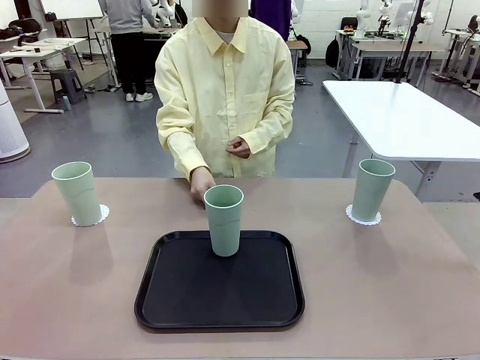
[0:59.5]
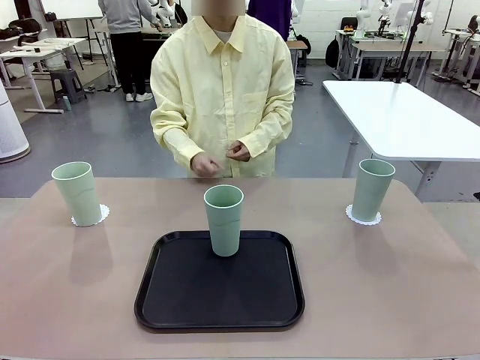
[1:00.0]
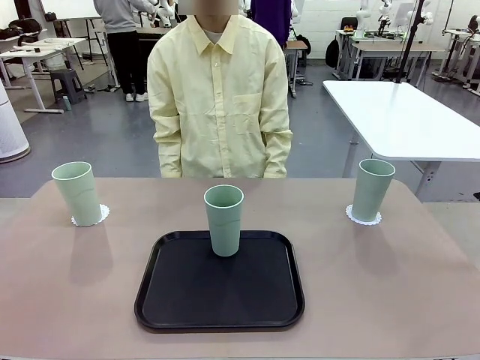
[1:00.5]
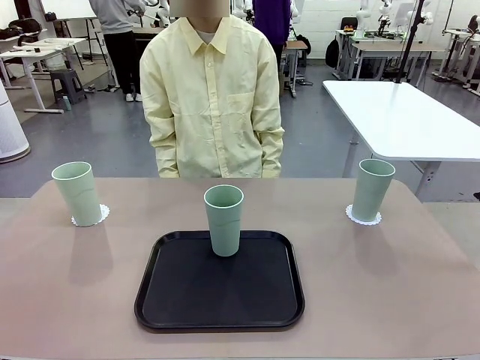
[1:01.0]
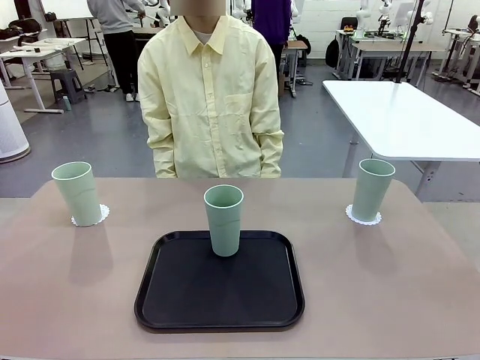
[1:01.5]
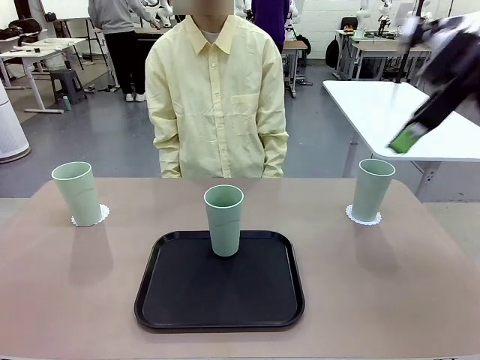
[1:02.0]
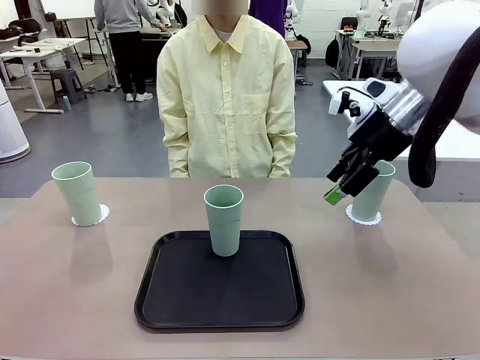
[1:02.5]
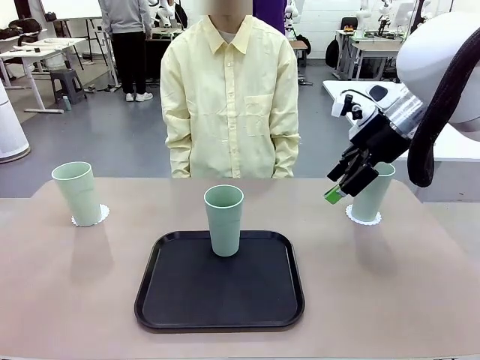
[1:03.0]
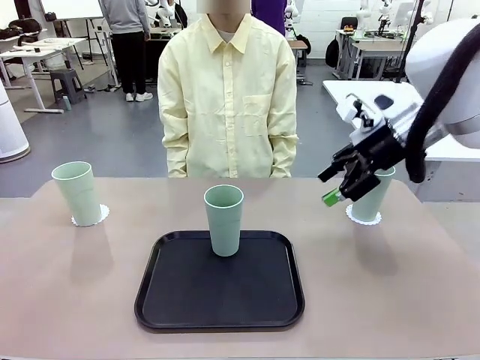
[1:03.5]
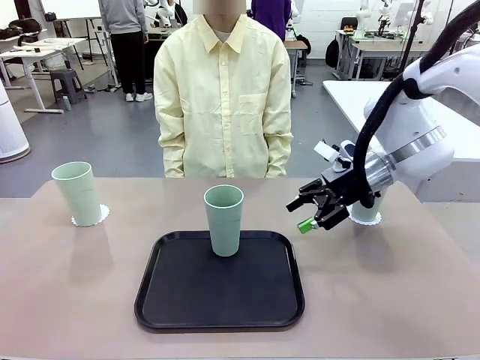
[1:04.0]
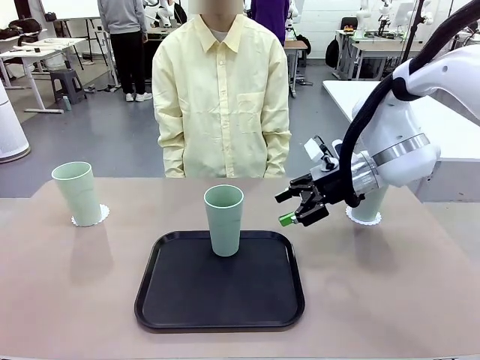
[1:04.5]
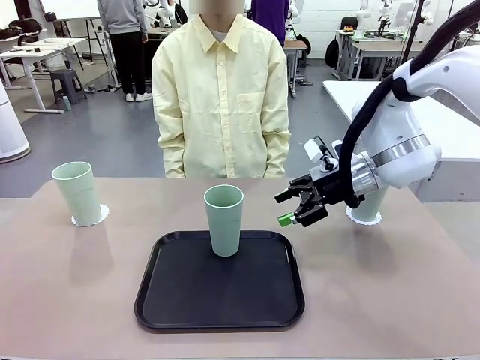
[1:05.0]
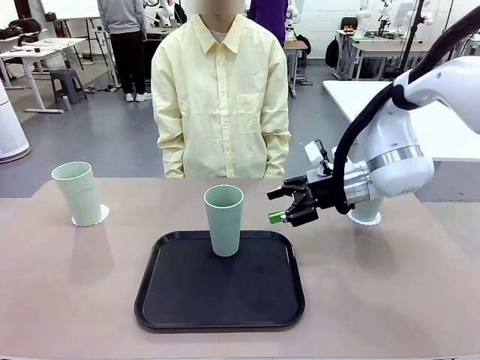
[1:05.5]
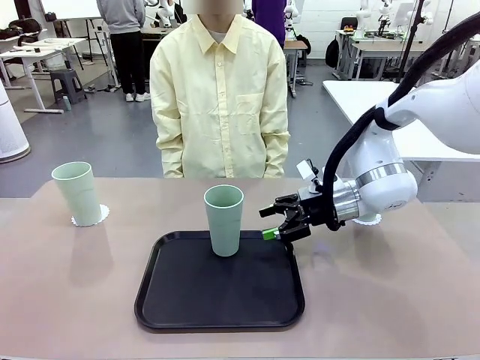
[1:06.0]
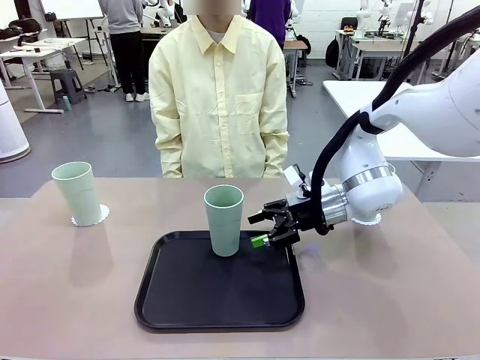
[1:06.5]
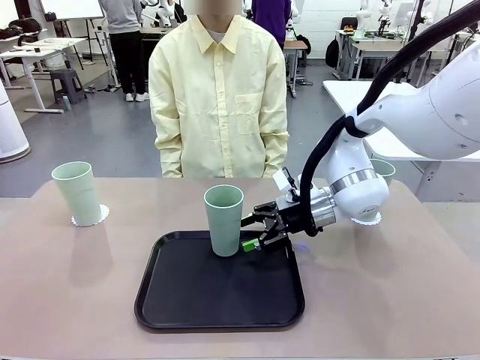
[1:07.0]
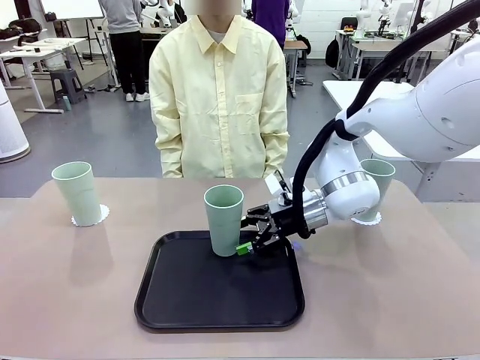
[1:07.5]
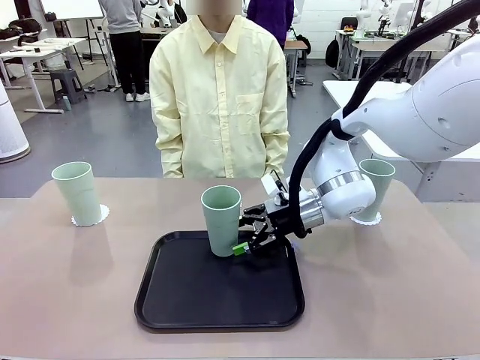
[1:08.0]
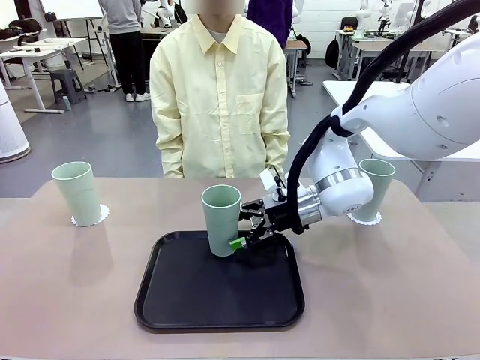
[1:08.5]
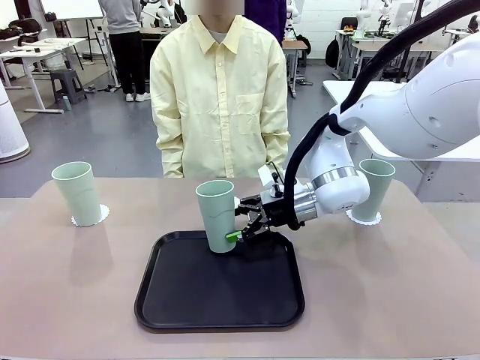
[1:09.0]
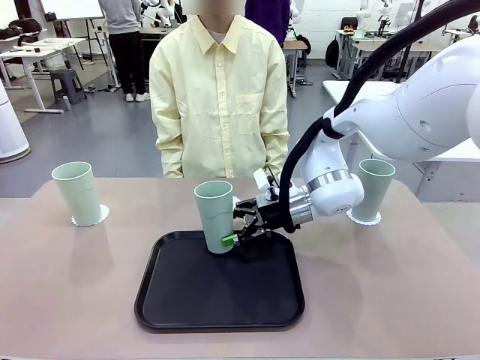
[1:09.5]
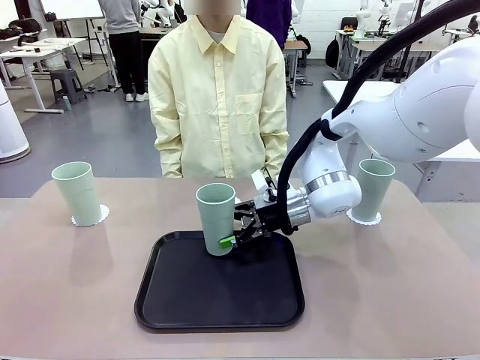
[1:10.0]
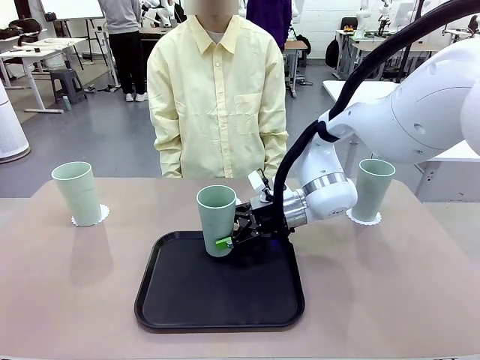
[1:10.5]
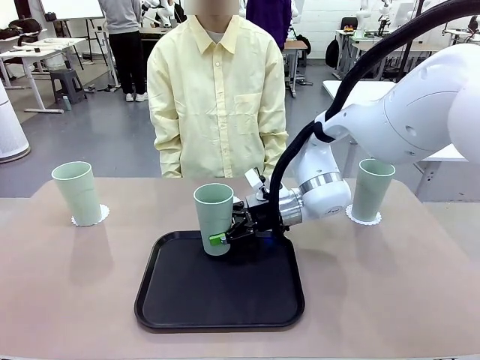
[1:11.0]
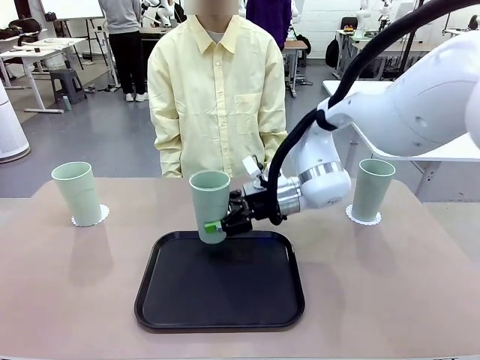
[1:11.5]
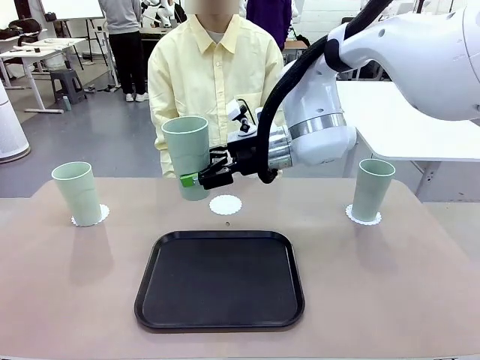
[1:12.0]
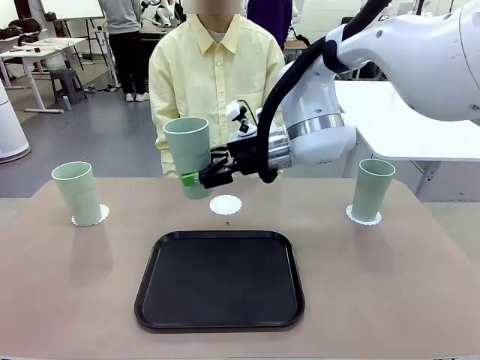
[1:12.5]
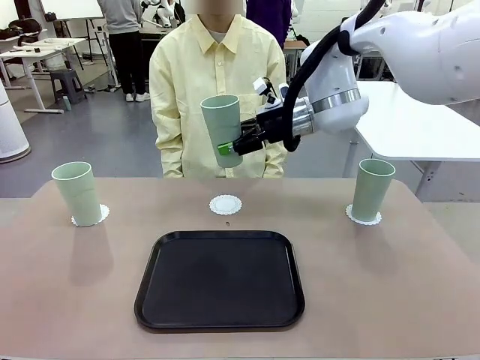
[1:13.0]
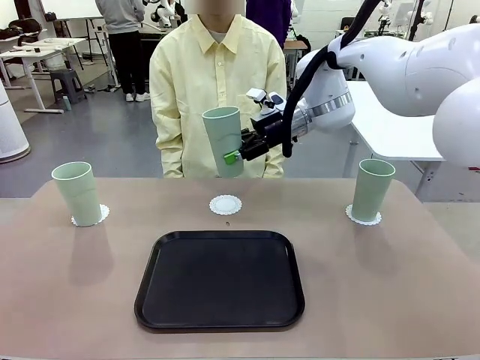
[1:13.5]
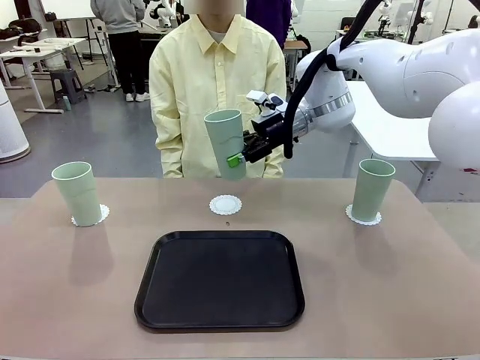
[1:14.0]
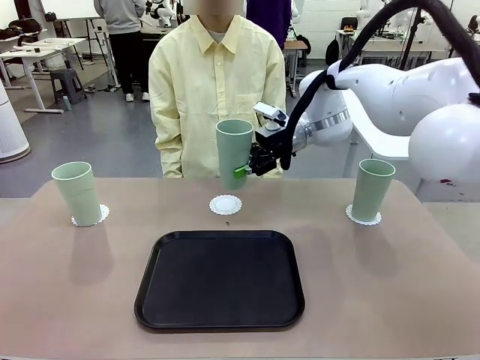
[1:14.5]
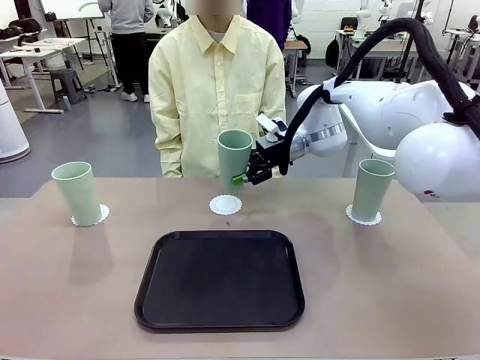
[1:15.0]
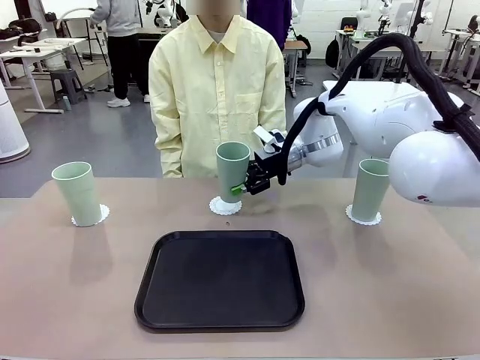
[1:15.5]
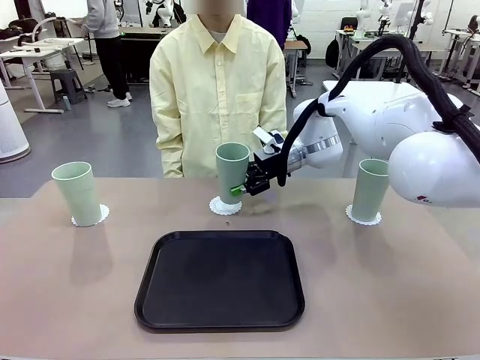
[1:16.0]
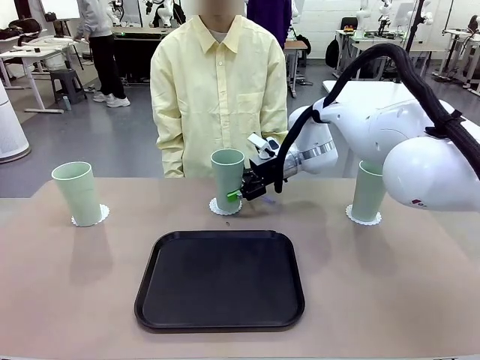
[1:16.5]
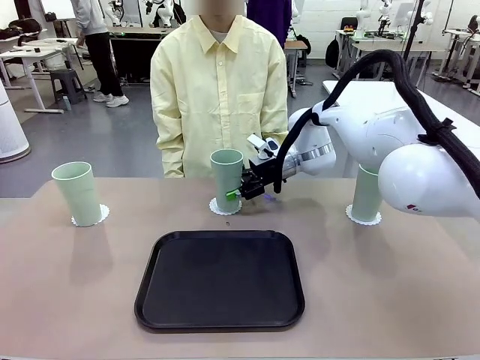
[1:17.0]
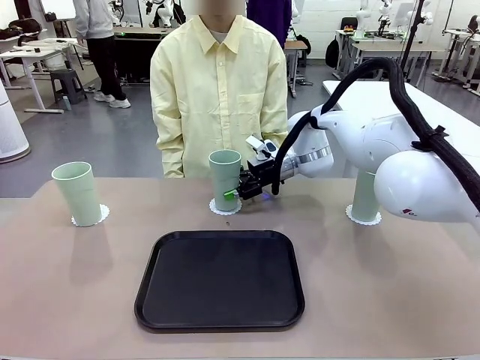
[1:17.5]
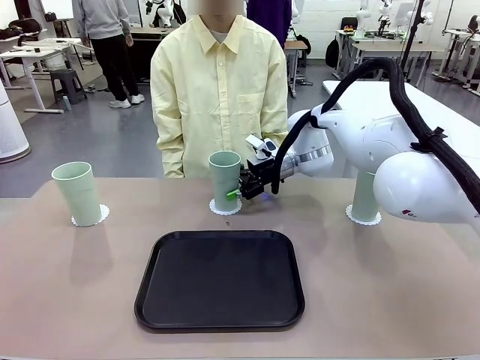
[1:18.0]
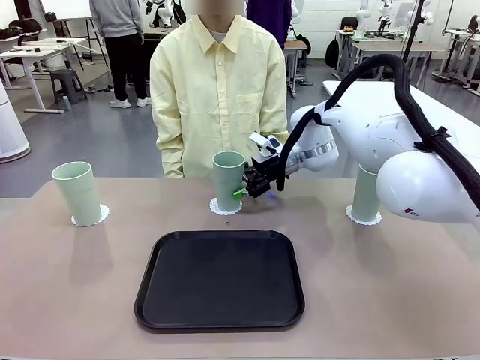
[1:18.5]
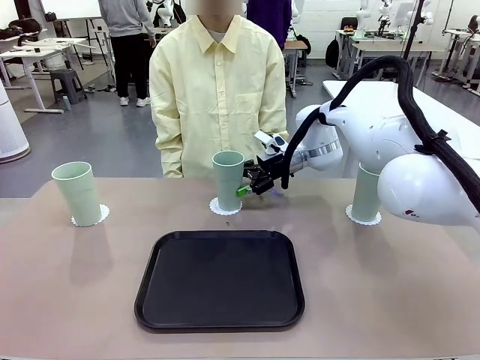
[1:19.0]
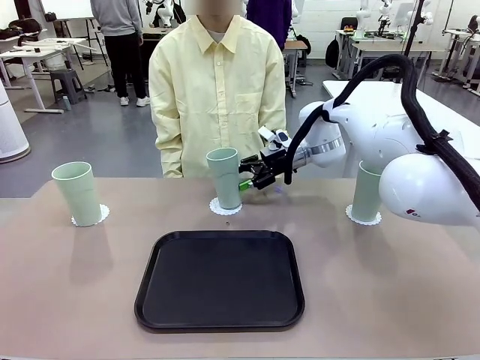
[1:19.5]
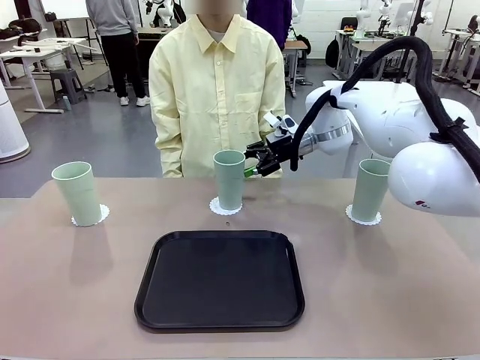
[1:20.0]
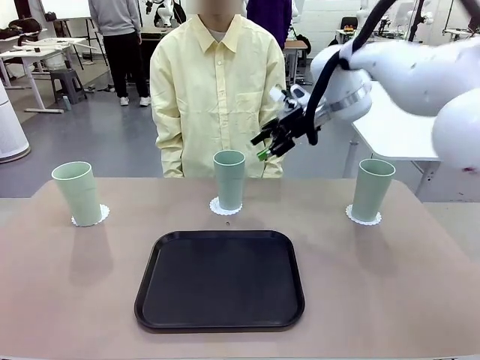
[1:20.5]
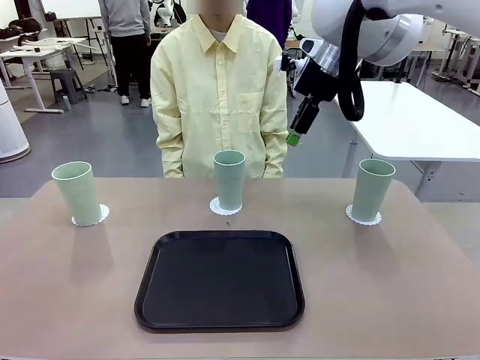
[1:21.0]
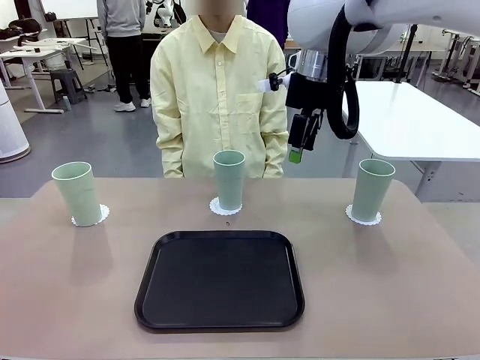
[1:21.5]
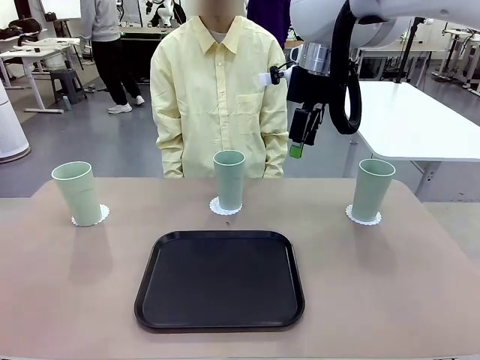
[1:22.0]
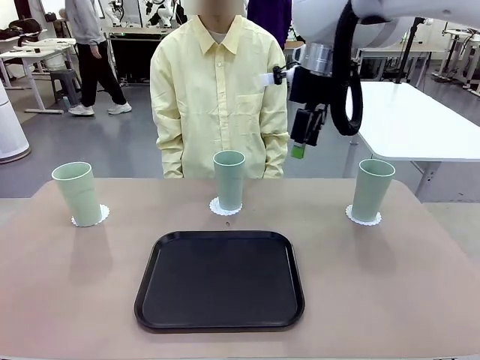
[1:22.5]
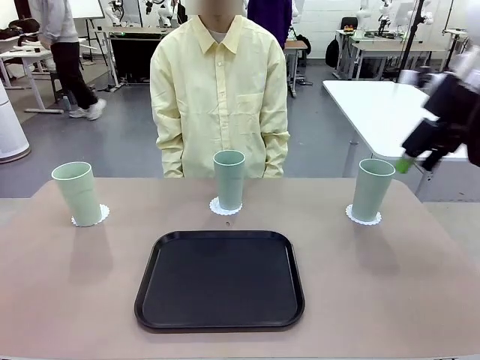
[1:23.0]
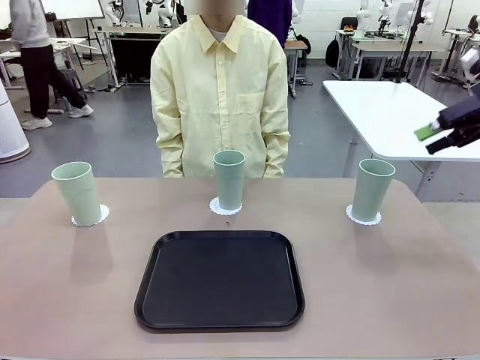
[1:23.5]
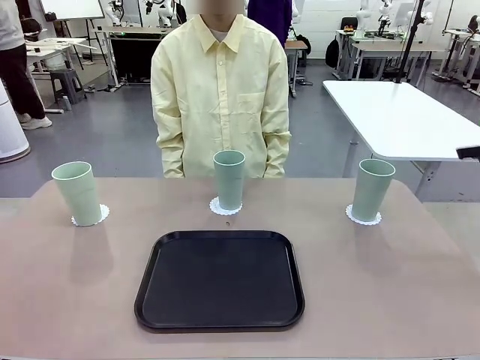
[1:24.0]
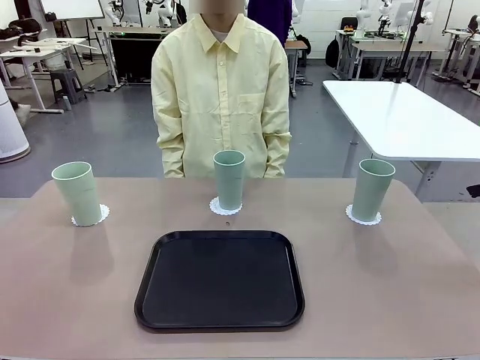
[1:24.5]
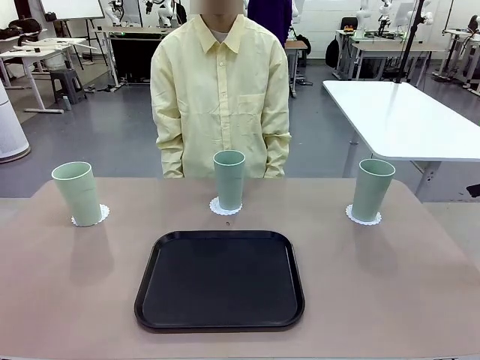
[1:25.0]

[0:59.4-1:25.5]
Task: Place coasters on the table and set cups on them.
Robot: Take one Reusable plastic cup from the Flat Tray and place it on a coaster set by the human.
Person: Place one coaster in the only remaining area.

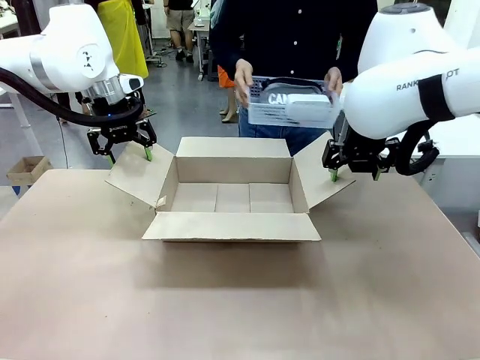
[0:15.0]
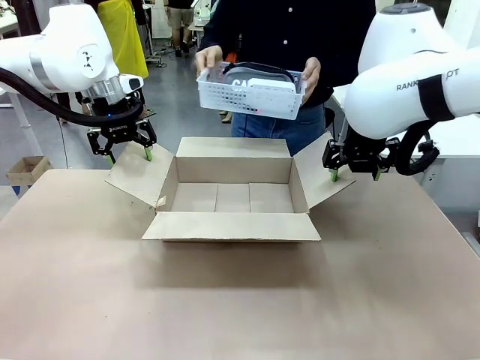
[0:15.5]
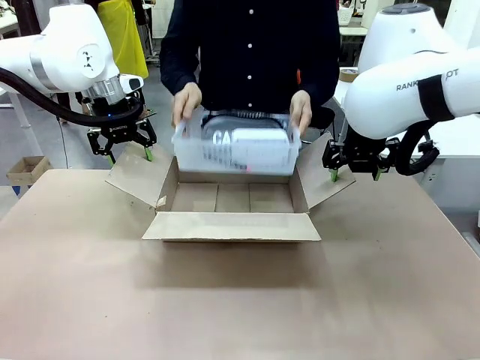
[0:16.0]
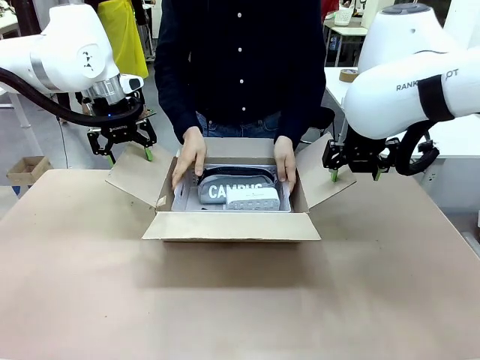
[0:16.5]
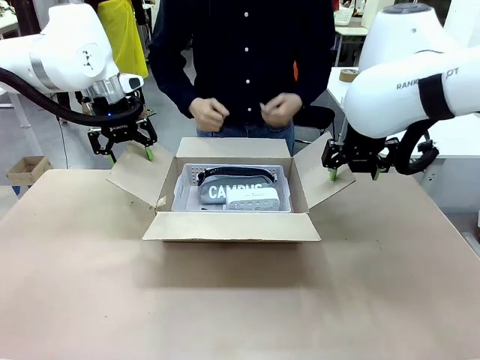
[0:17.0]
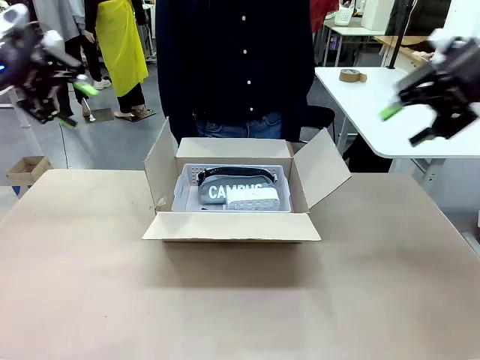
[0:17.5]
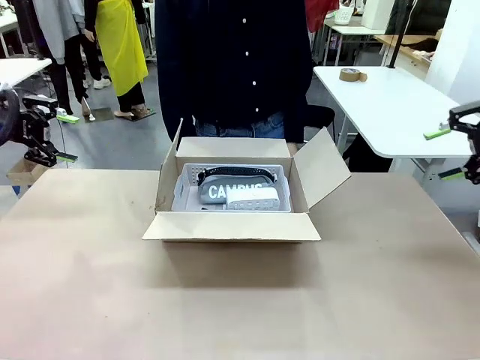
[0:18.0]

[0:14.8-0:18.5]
Task: Pack the gift set into the box.
Robot: Lift both hands away from the flaps of the Package Box.
Person: The human picks up the organizing basket and places the organizing basket into the package box on the robot table.
